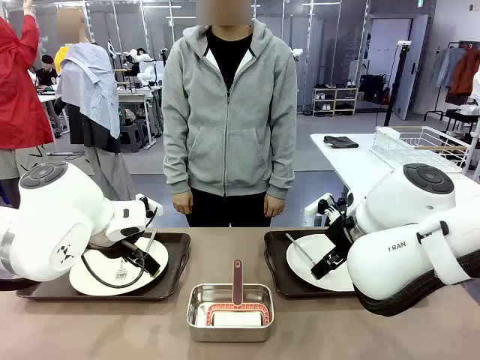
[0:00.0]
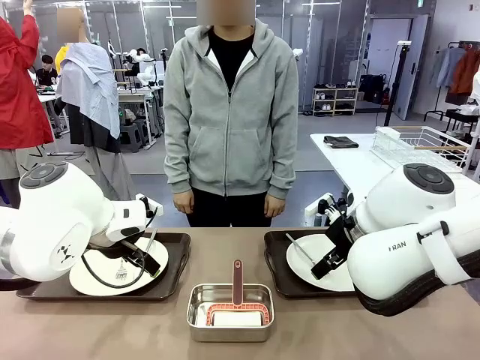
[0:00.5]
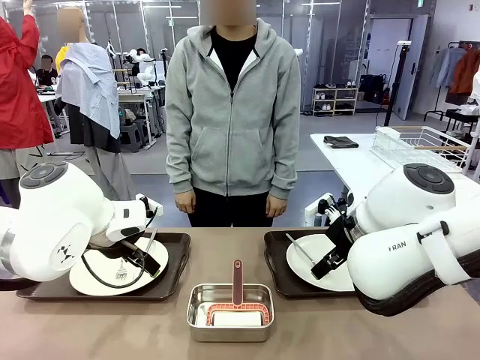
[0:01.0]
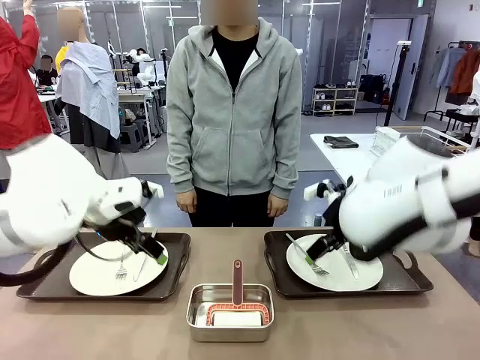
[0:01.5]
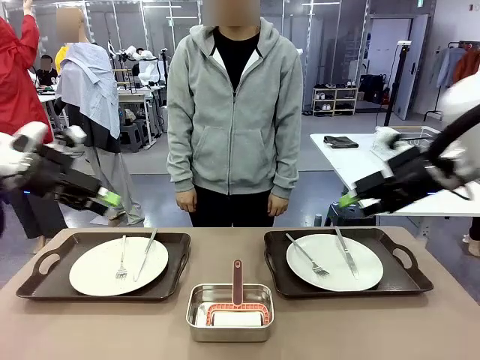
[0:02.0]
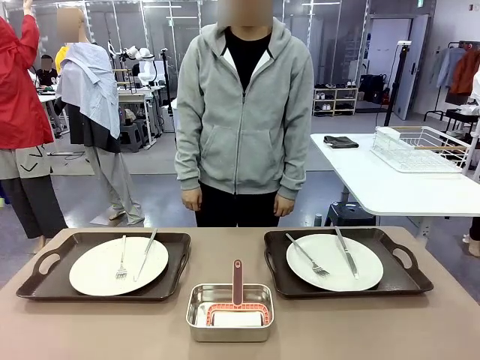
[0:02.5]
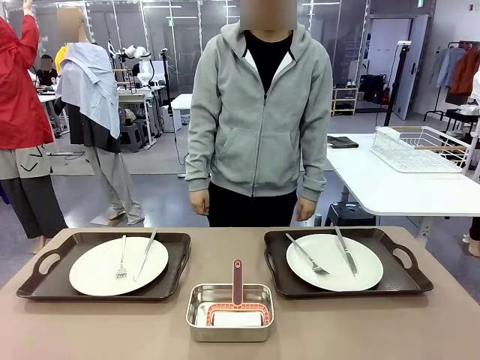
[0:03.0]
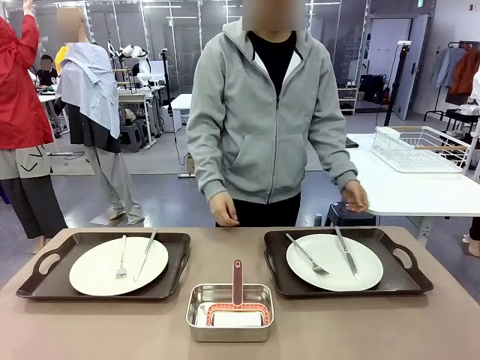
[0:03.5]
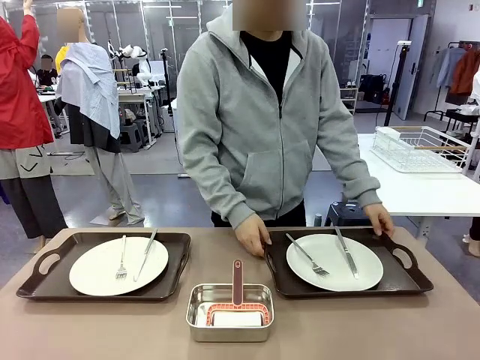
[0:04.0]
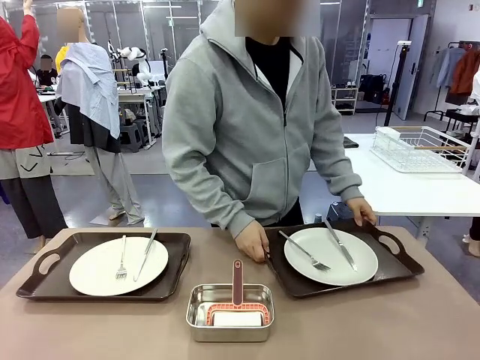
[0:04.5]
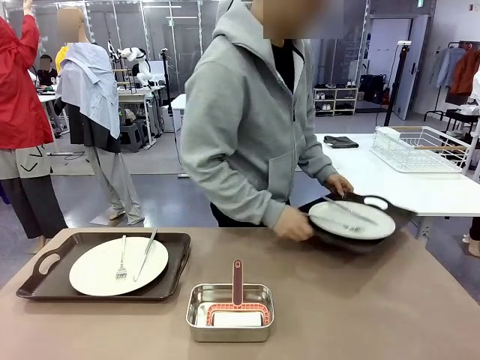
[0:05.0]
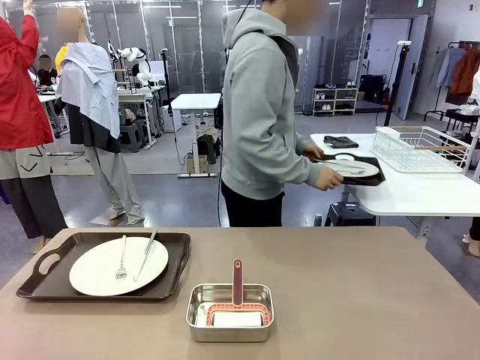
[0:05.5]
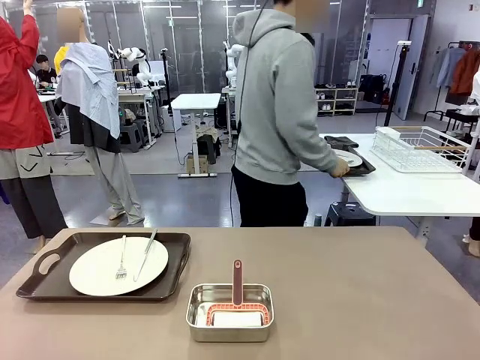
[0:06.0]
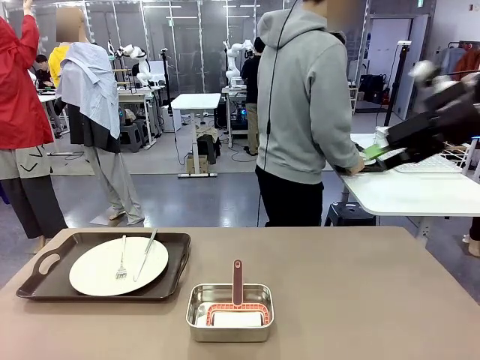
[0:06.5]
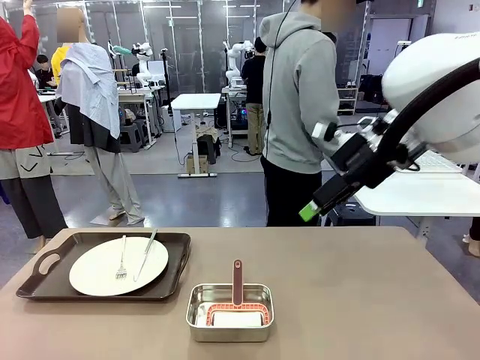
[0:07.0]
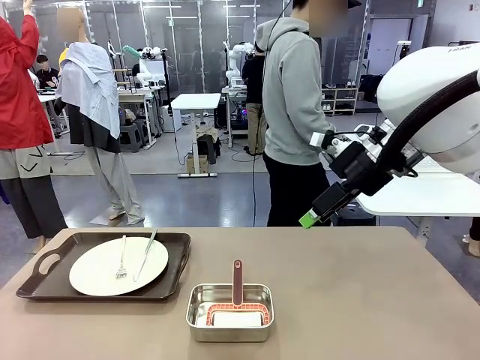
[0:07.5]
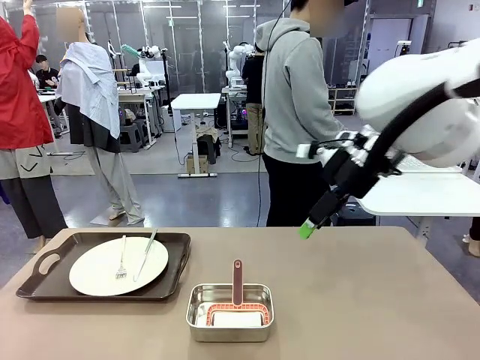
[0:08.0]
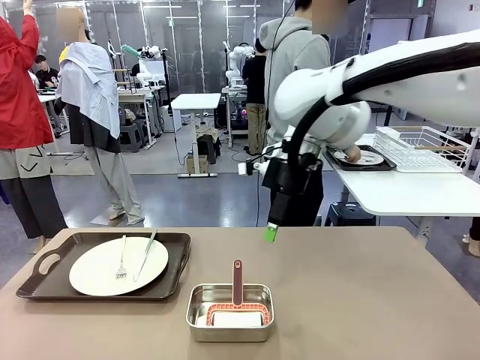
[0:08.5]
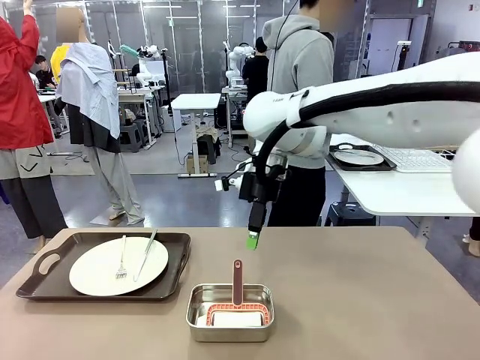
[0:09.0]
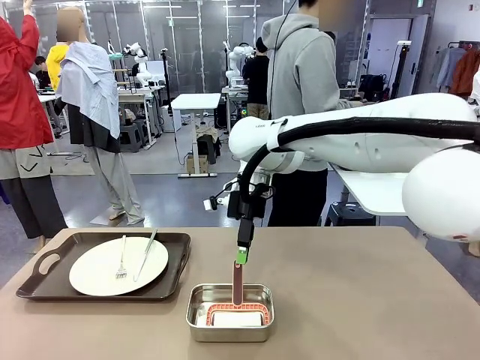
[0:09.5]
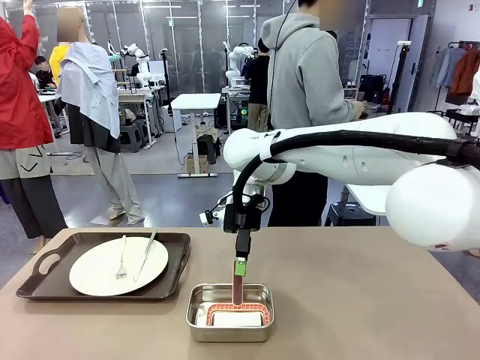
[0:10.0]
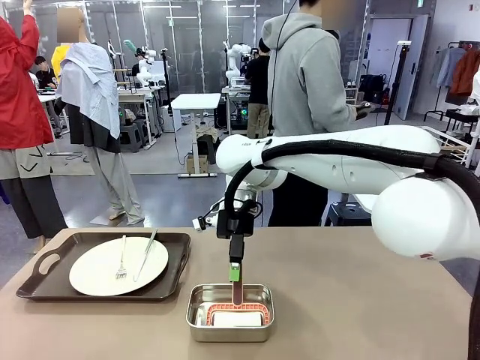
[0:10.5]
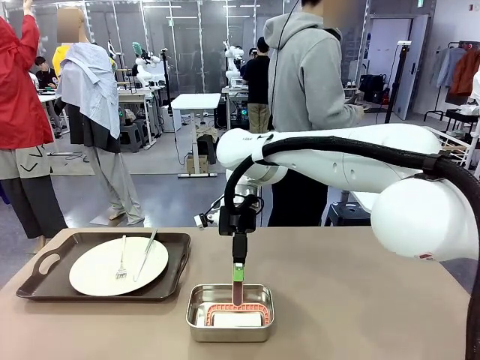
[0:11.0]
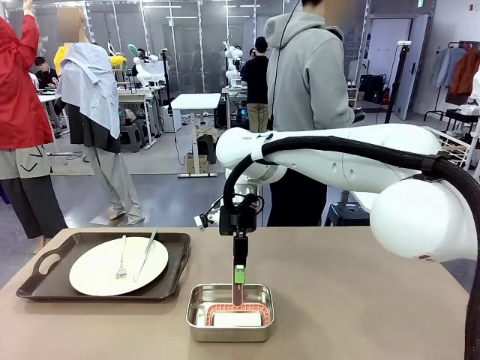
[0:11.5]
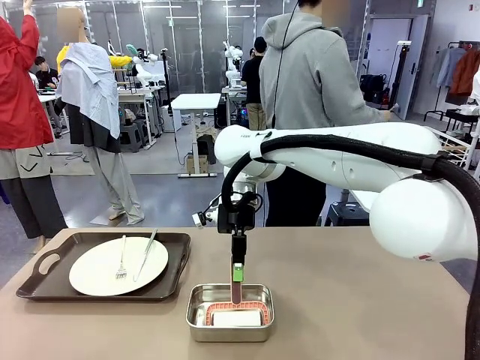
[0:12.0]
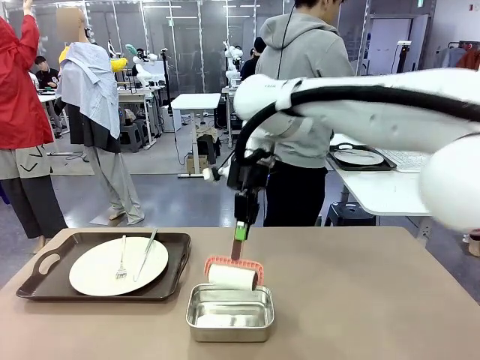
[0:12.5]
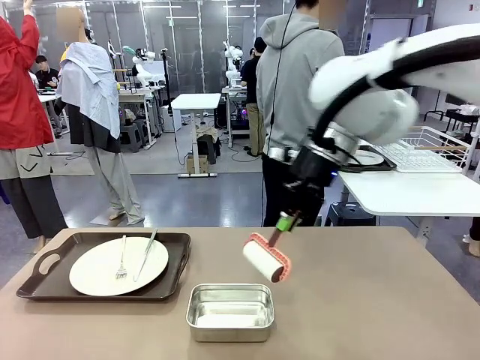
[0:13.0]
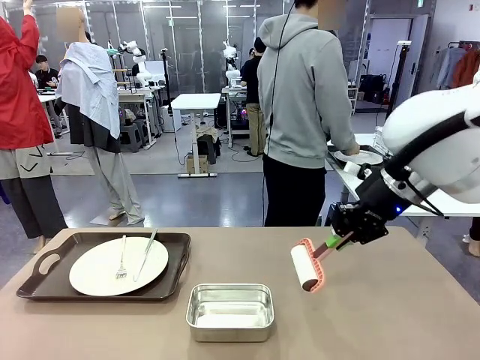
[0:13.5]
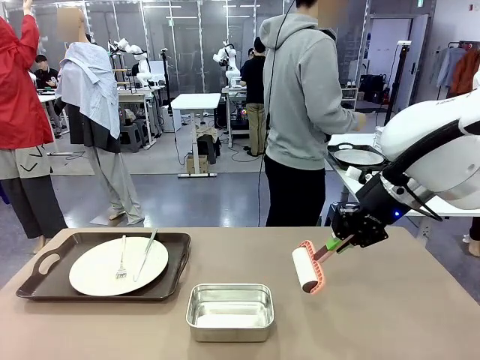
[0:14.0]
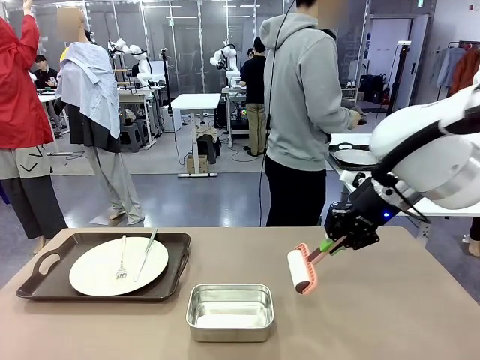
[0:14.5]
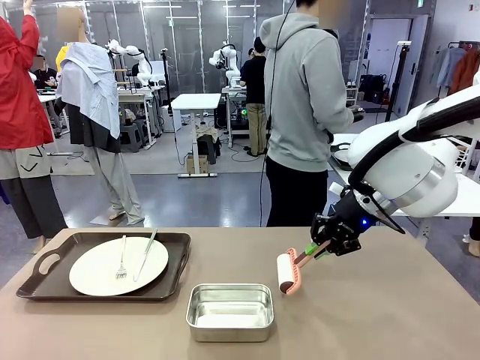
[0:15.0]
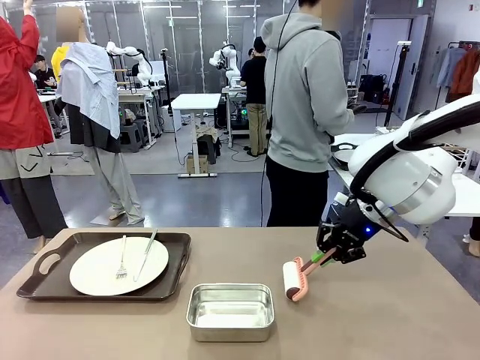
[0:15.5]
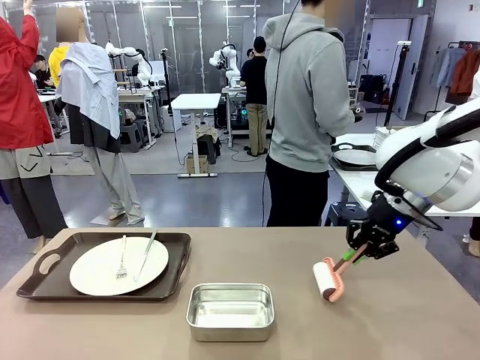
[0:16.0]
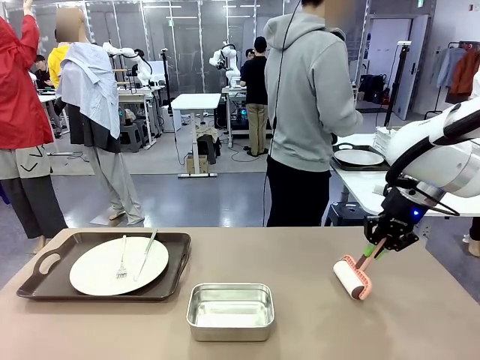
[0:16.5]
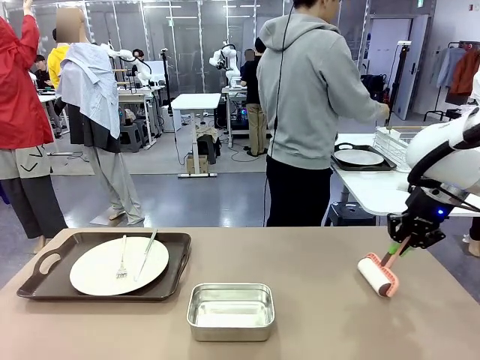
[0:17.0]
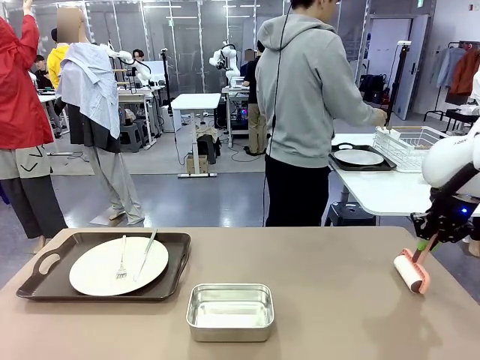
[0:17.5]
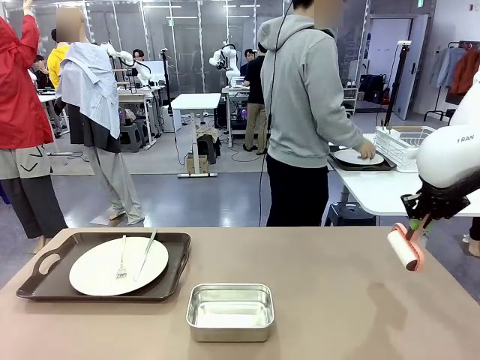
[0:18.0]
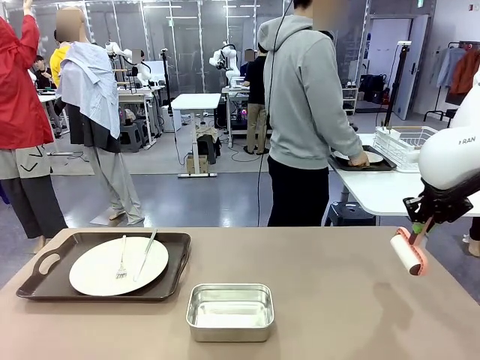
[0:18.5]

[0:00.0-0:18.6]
Robot: When the left (or right) Handle tray is removed, use the left hand (or right hand) to clean the left (or right) side of the table with the Lint Roller.
Person: Pick up the left (or right) Handle tray and place it on the middle of the Human's table. Use the Towel with hook to wipe the Plastic Matte Plate , Fork , and Knife and place into the Dish drying rack.

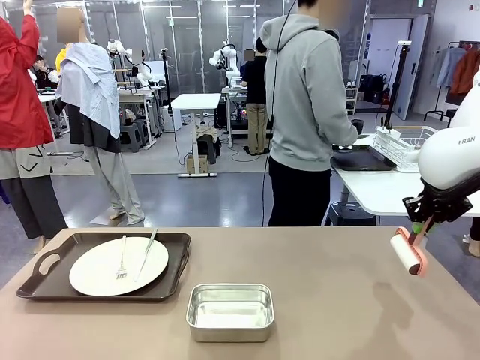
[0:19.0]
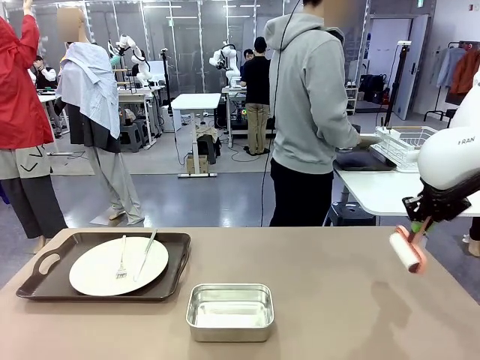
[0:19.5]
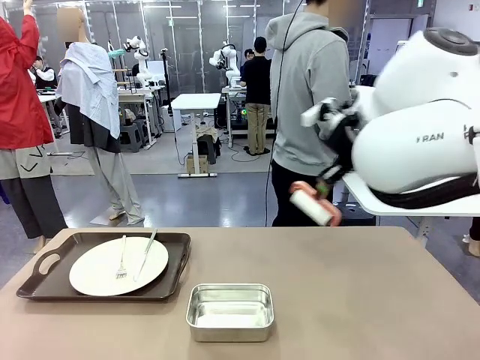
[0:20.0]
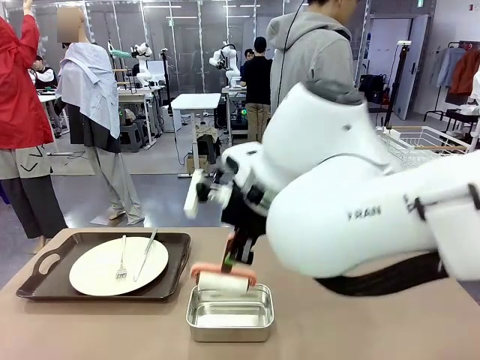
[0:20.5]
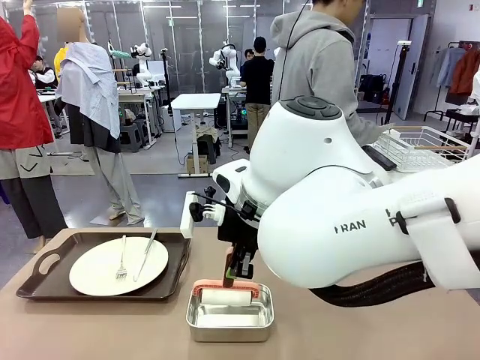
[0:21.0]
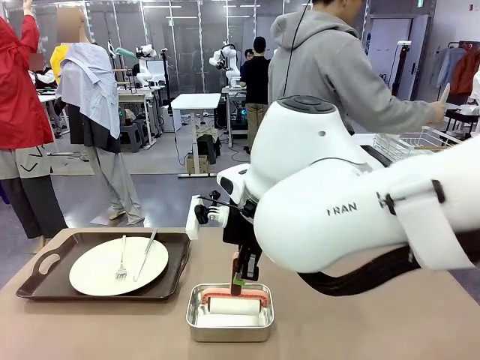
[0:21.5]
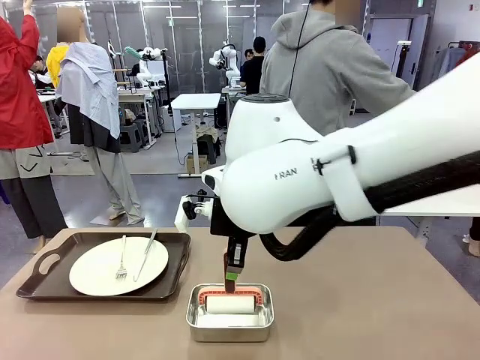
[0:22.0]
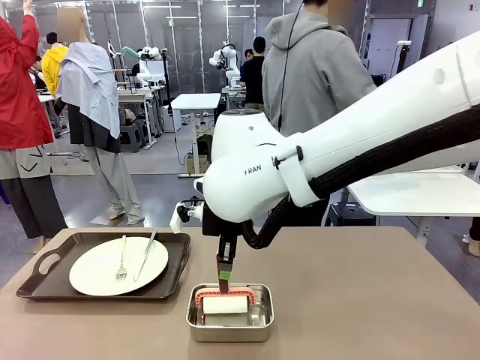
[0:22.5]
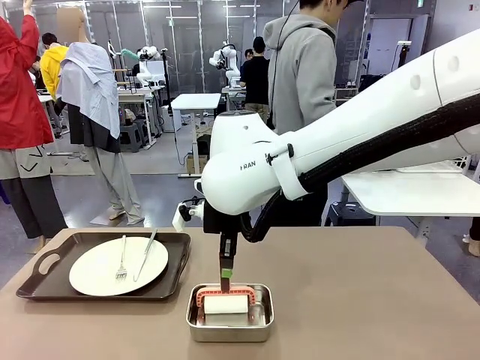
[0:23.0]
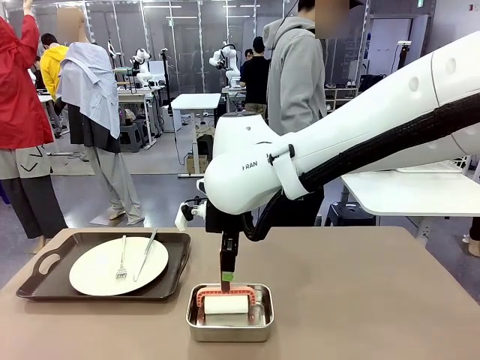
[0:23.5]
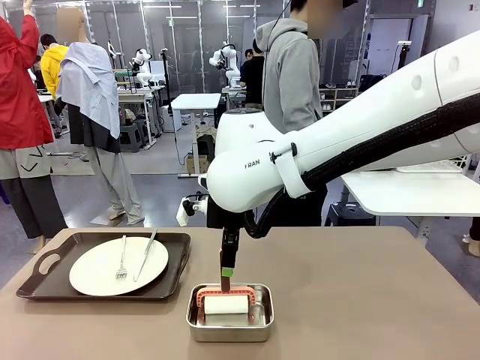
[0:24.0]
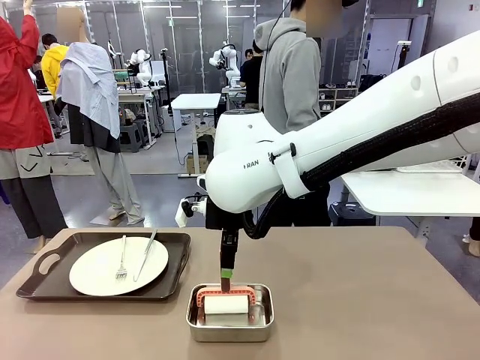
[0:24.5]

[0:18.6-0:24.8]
Robot: Place the Lint Roller back on top of the Airtight Container.
